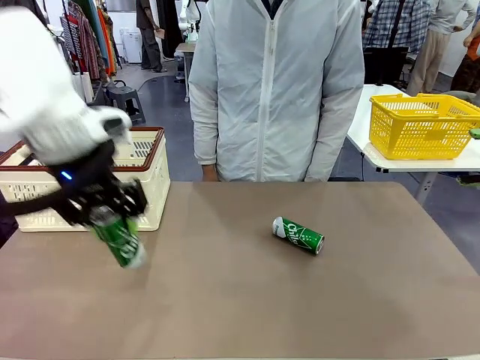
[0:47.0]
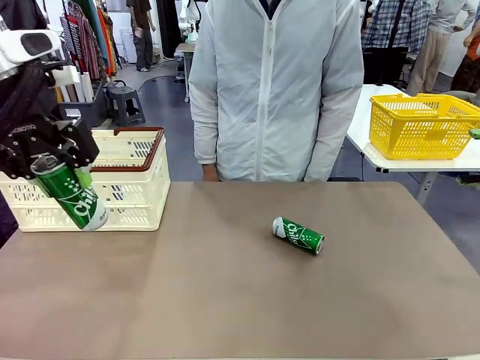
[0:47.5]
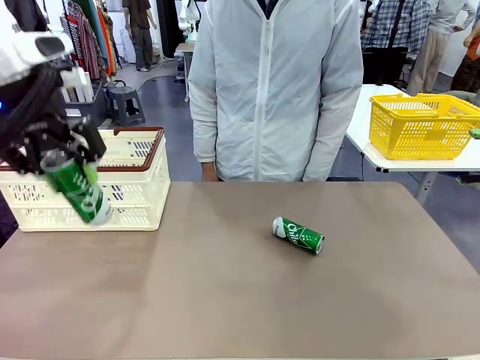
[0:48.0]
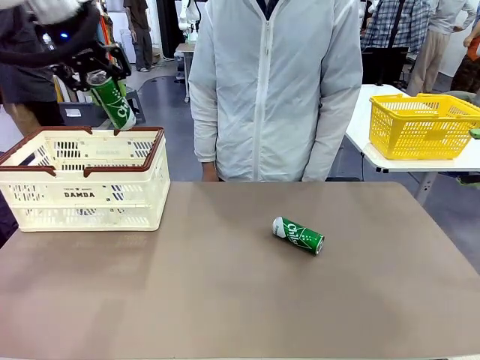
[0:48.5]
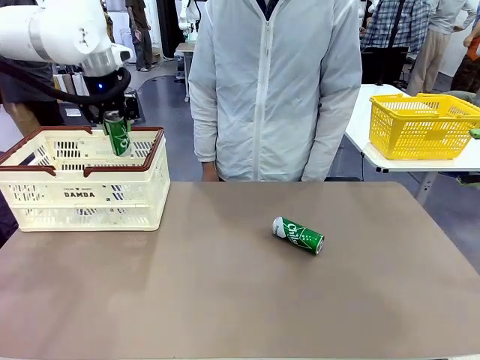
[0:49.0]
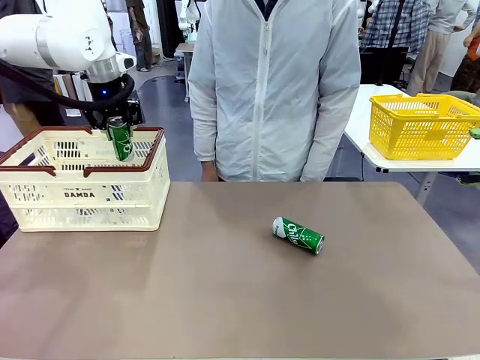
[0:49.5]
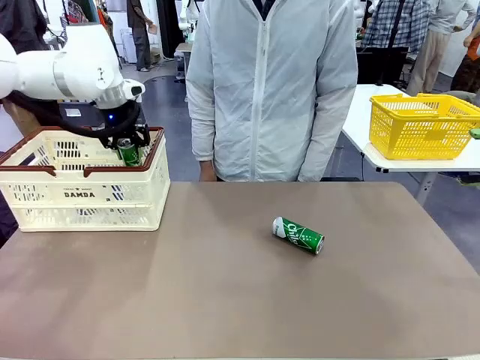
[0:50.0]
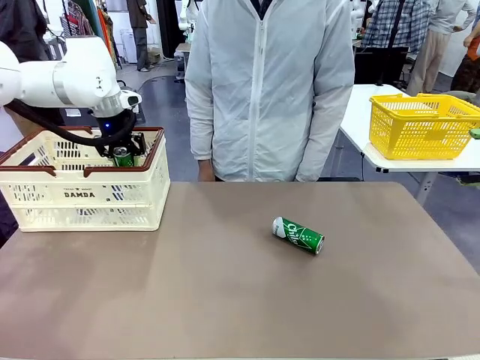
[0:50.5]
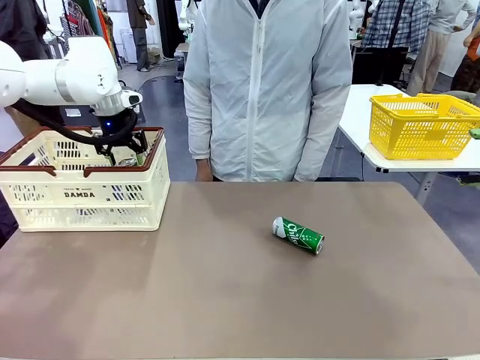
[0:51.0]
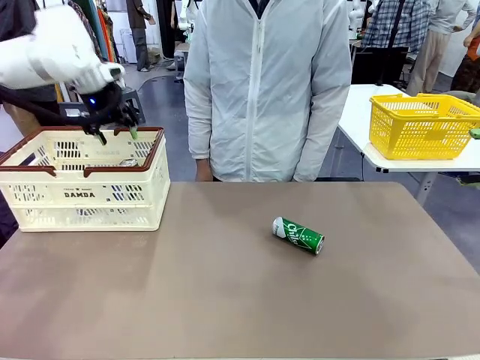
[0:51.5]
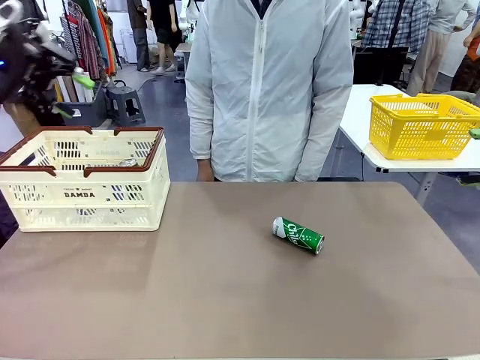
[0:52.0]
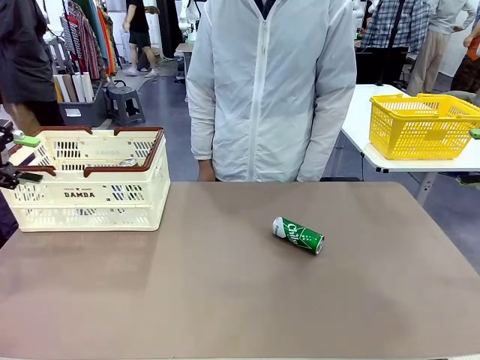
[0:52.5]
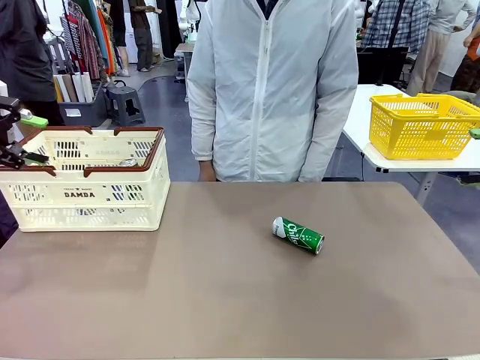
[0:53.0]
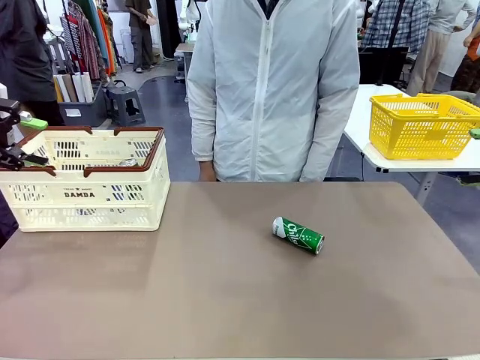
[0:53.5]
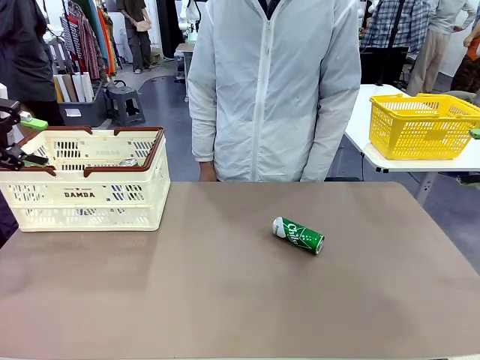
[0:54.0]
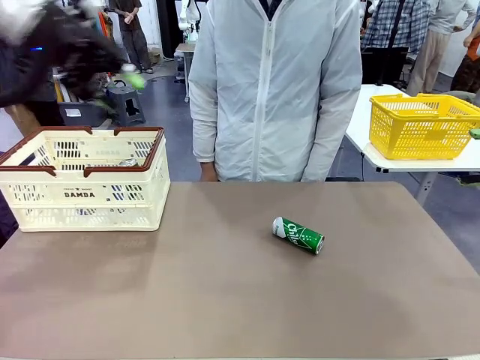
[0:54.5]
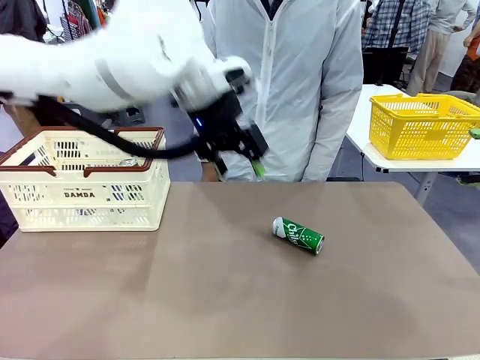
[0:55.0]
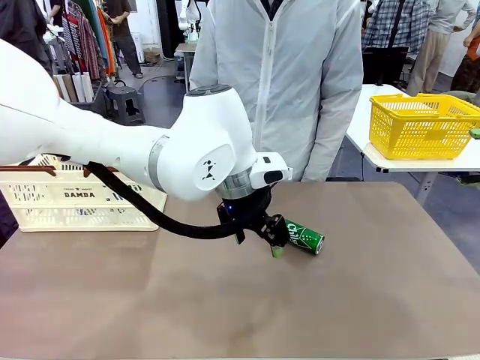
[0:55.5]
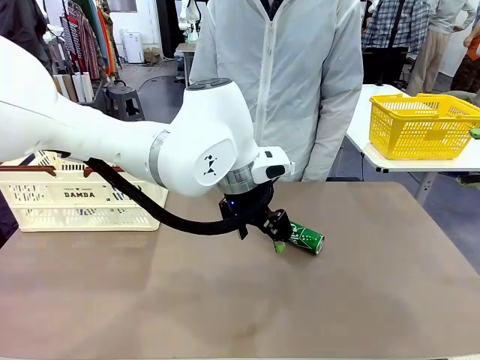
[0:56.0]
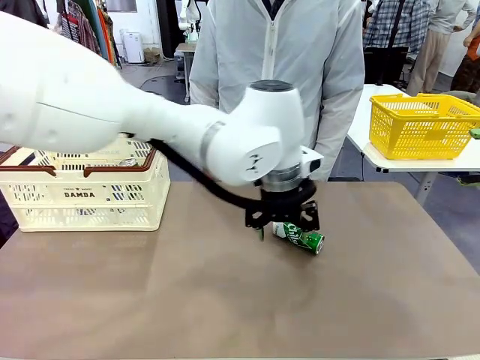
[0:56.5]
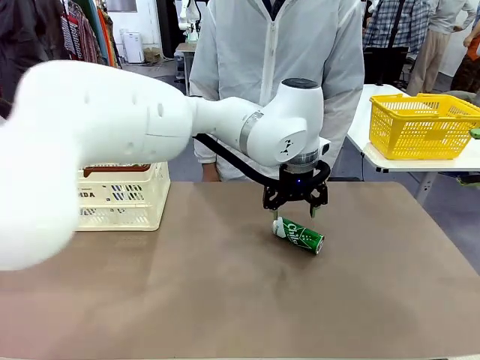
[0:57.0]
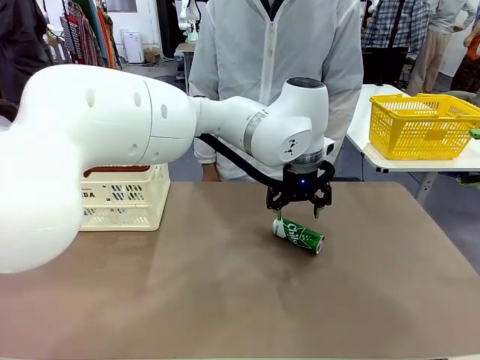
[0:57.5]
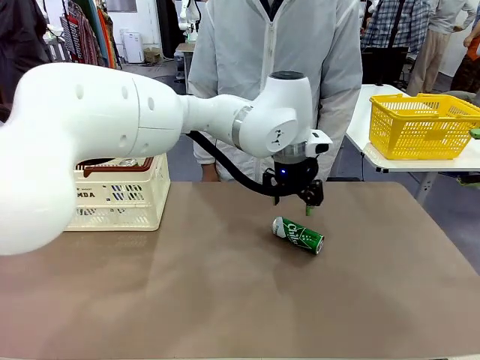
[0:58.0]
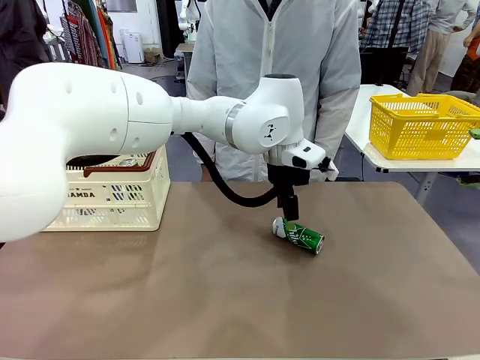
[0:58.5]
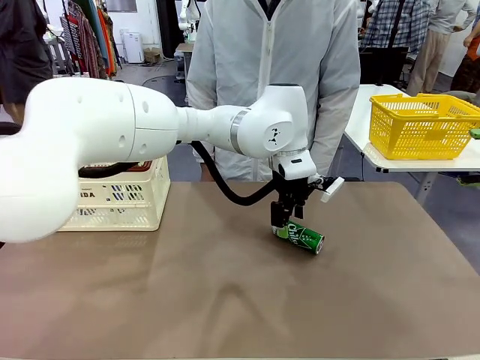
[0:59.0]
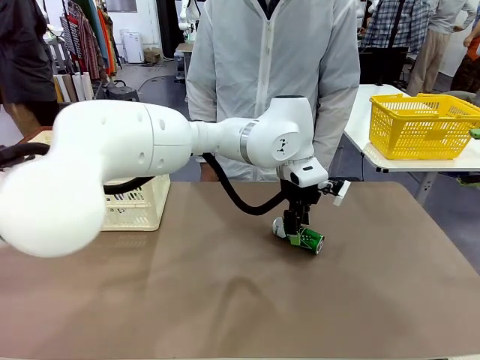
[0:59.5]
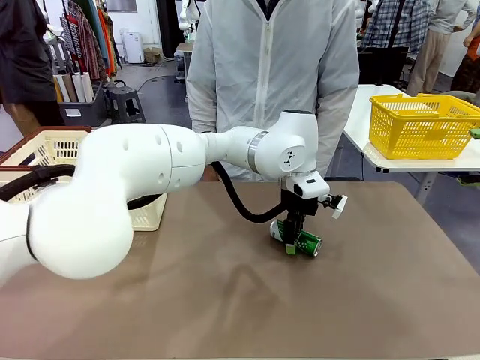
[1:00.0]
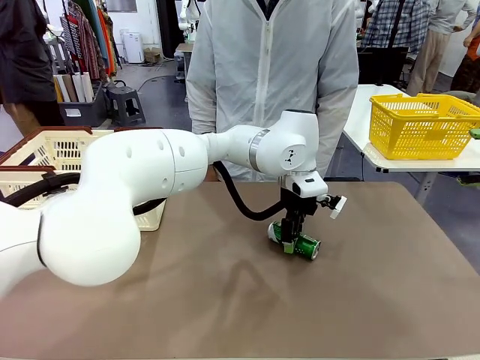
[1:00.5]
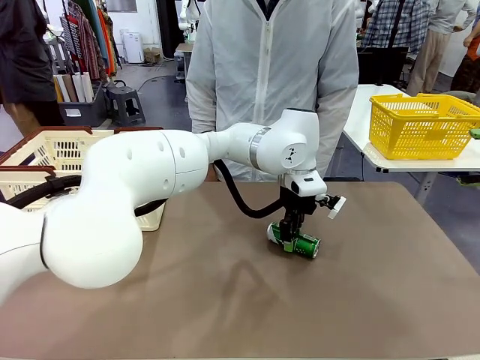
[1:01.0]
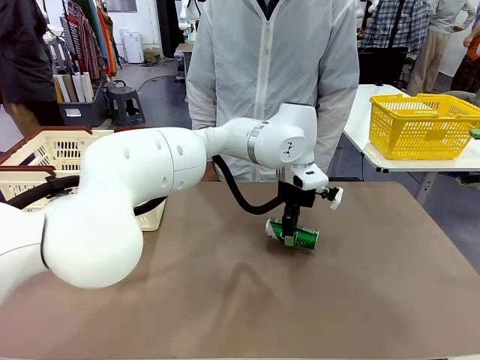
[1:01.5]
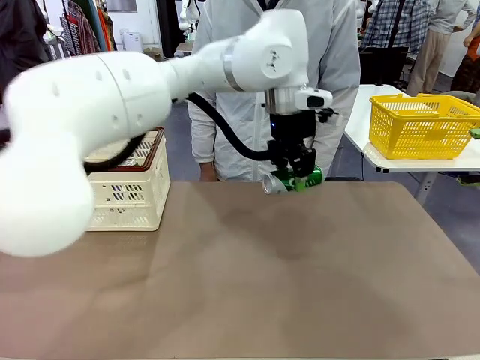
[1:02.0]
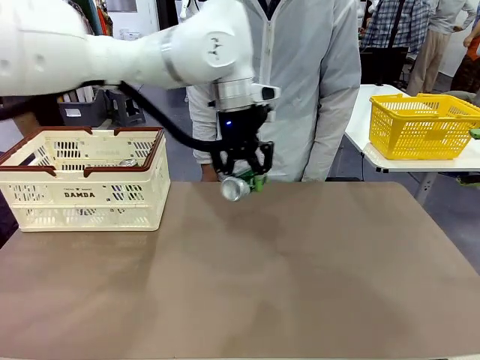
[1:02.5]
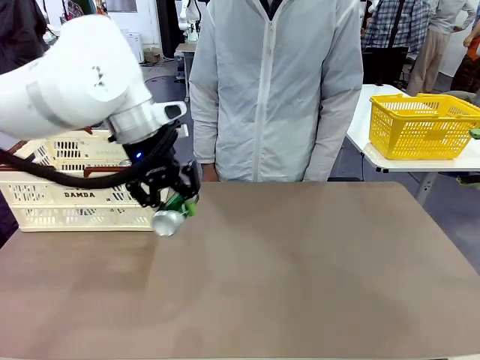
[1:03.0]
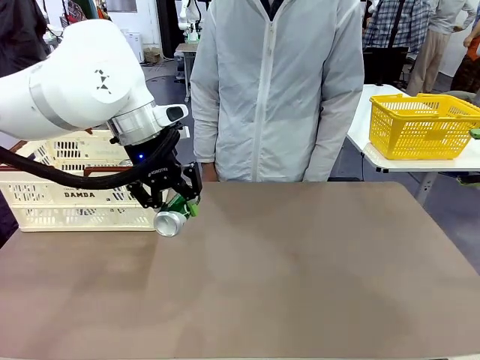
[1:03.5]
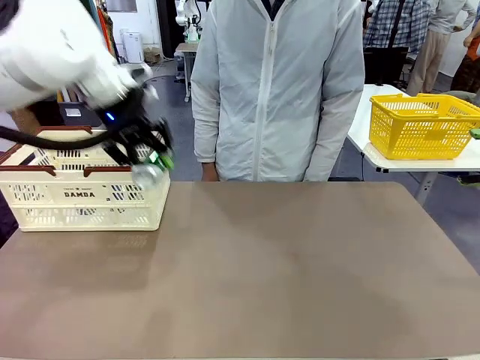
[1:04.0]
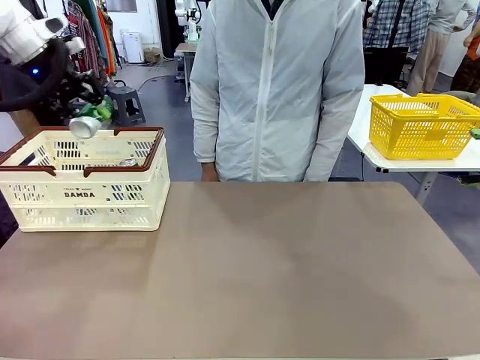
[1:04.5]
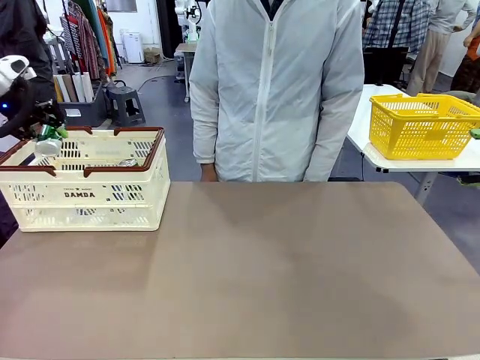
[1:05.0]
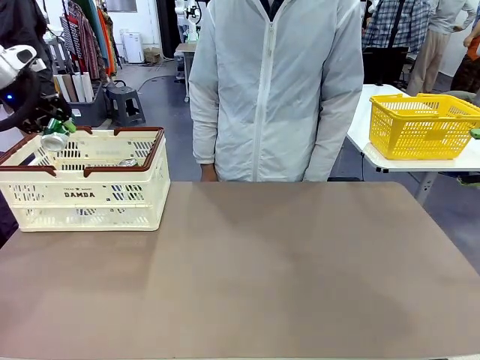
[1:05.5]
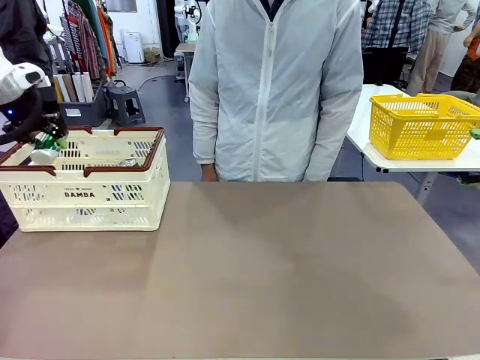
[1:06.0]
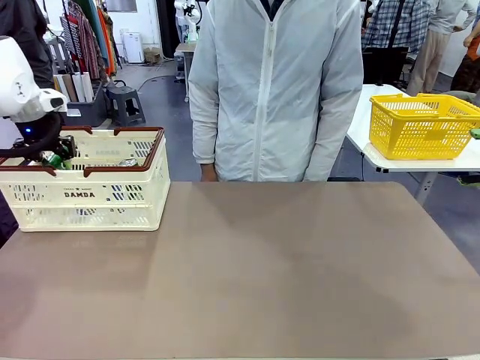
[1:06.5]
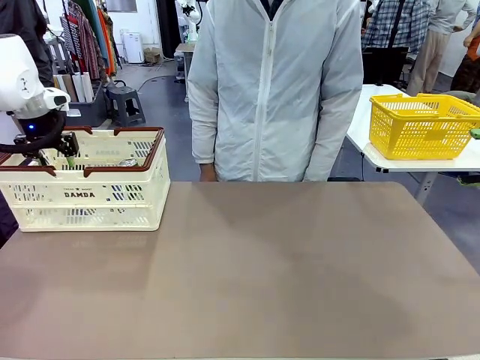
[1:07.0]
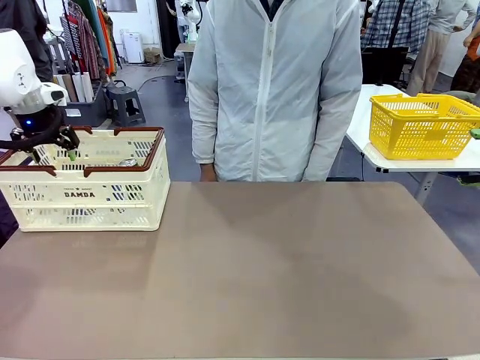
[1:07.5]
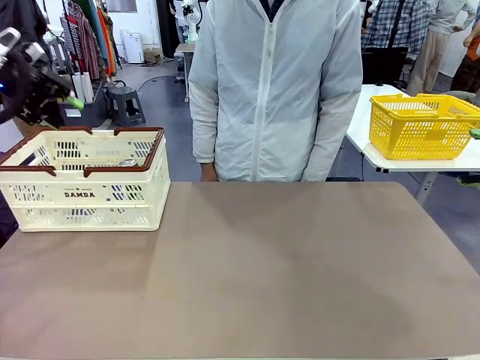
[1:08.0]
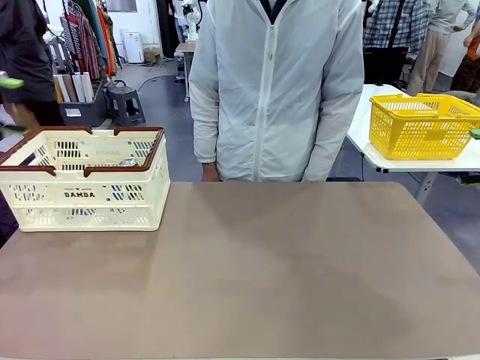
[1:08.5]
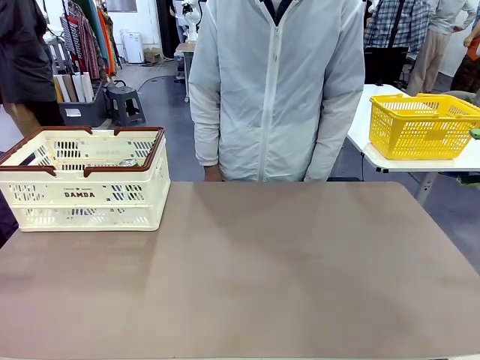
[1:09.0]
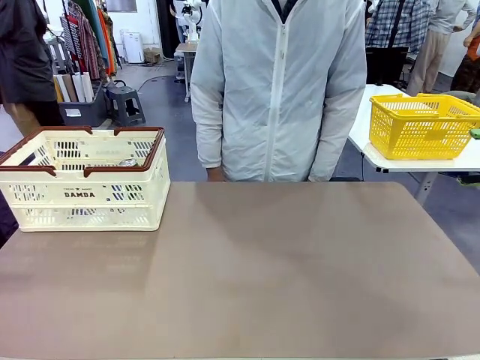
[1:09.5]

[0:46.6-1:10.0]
Task: Place the drinks into the Shopping basket.
Robot: Pick up one drink and place it into the Shopping basket.
